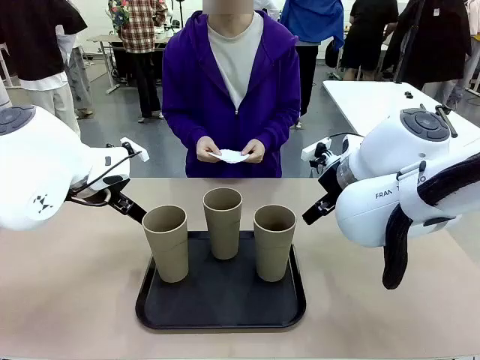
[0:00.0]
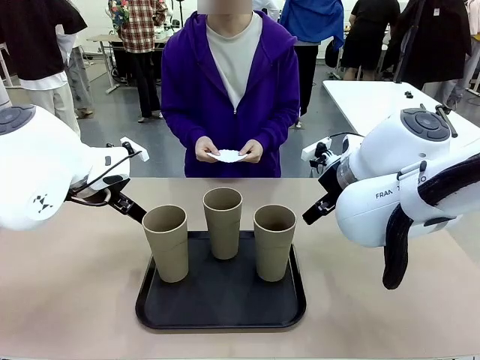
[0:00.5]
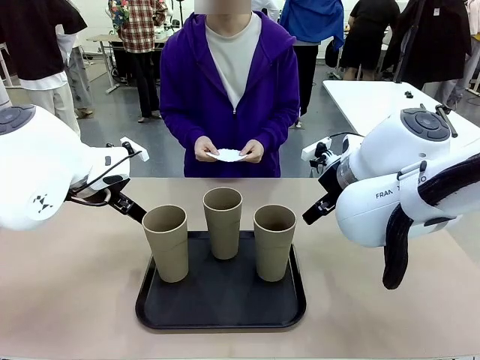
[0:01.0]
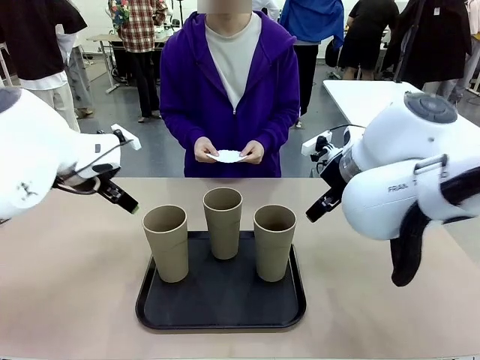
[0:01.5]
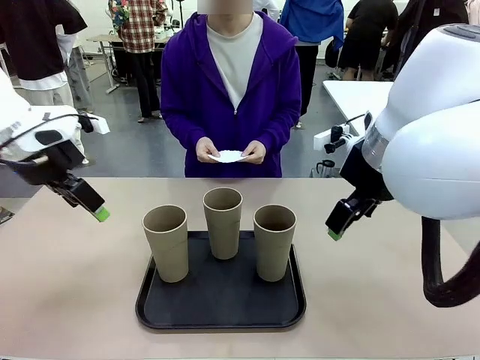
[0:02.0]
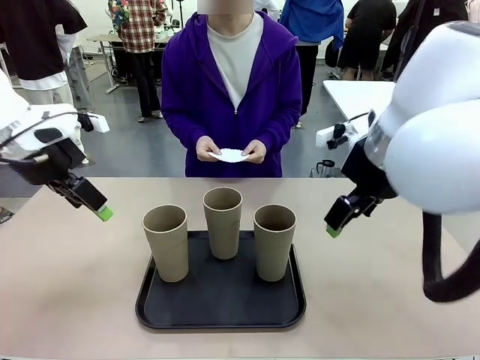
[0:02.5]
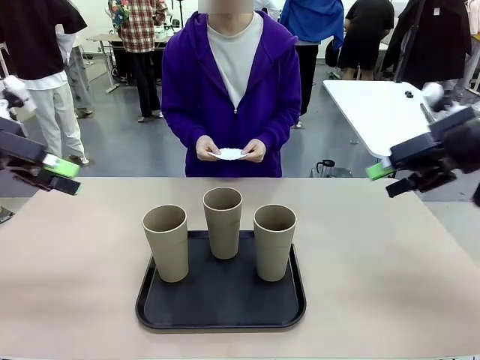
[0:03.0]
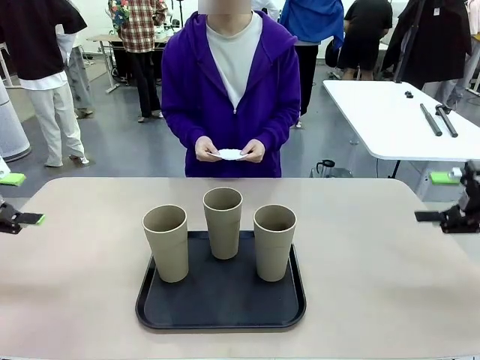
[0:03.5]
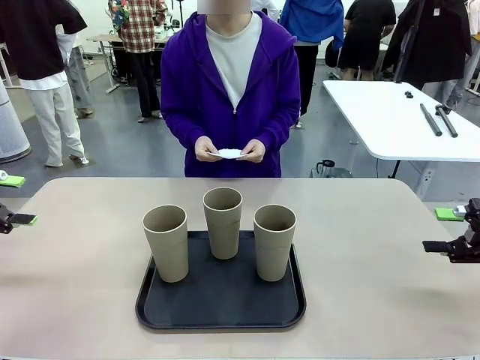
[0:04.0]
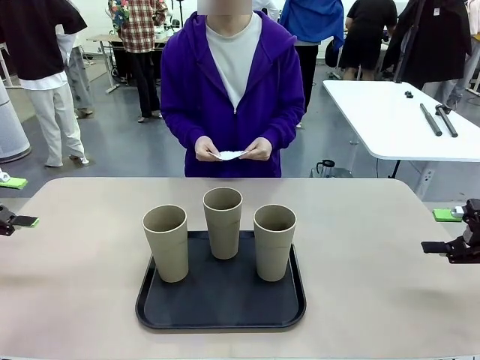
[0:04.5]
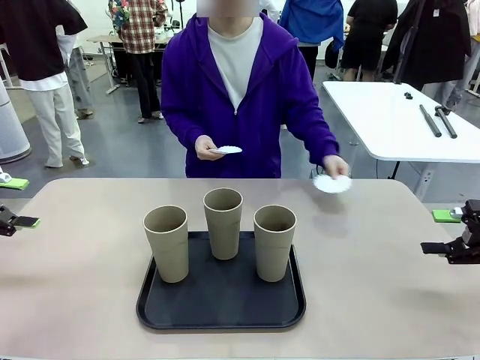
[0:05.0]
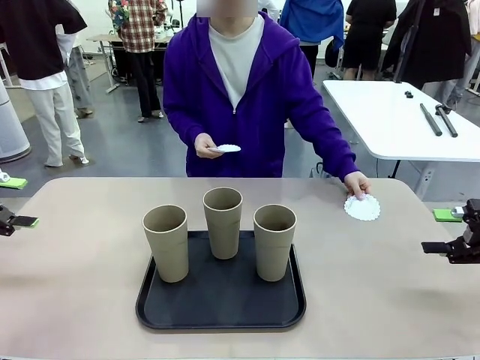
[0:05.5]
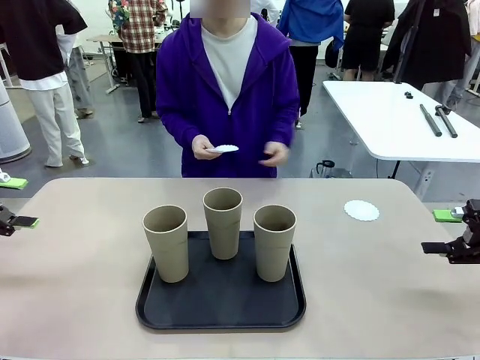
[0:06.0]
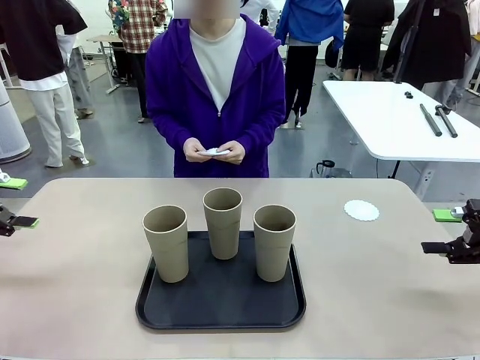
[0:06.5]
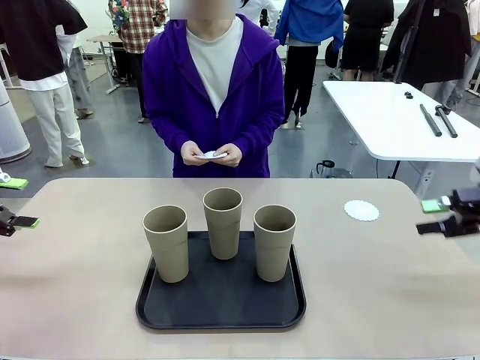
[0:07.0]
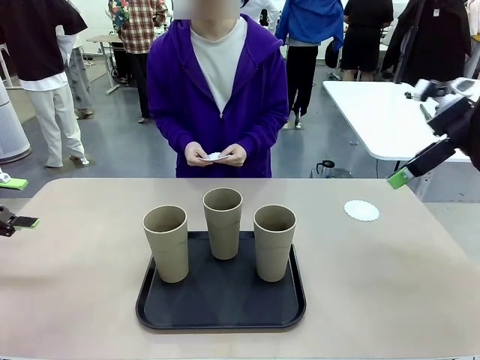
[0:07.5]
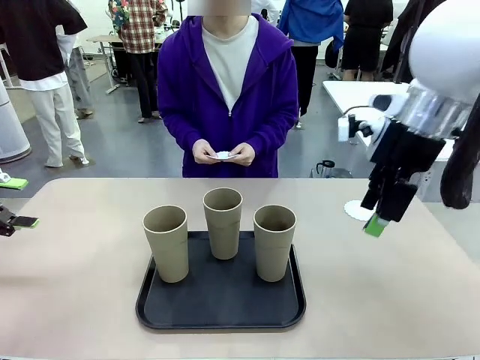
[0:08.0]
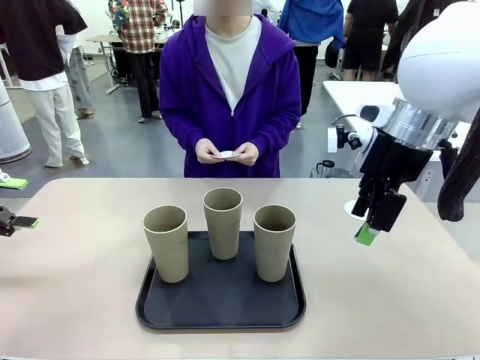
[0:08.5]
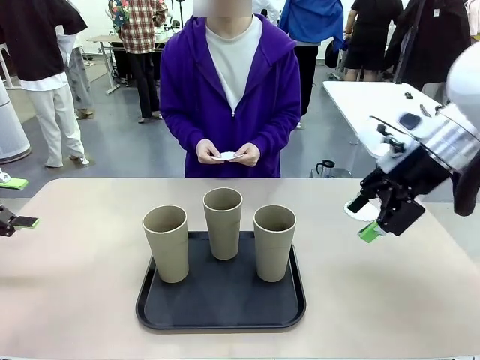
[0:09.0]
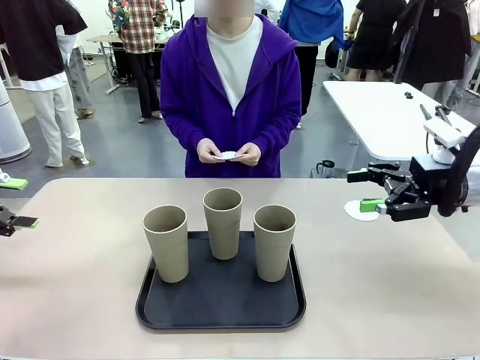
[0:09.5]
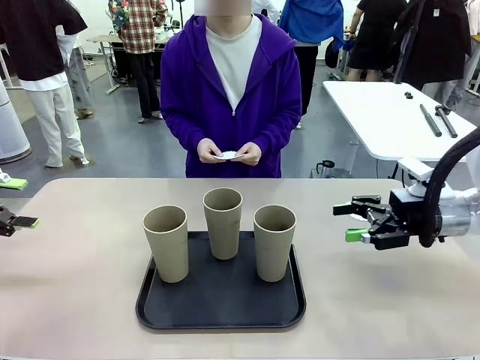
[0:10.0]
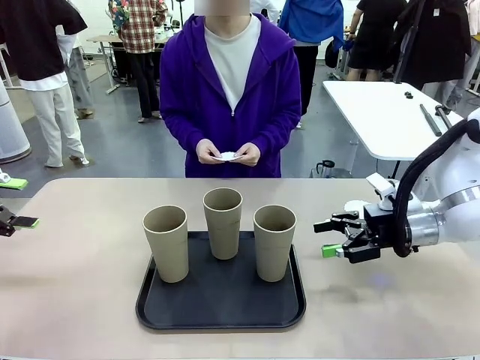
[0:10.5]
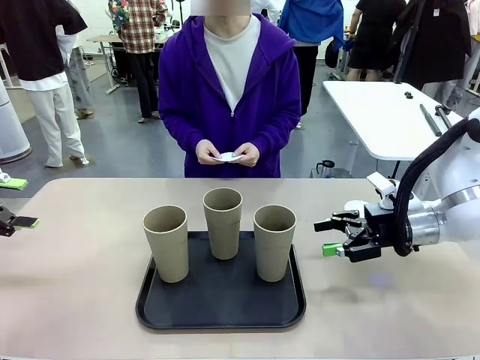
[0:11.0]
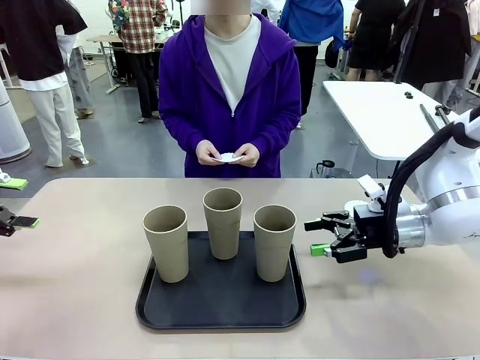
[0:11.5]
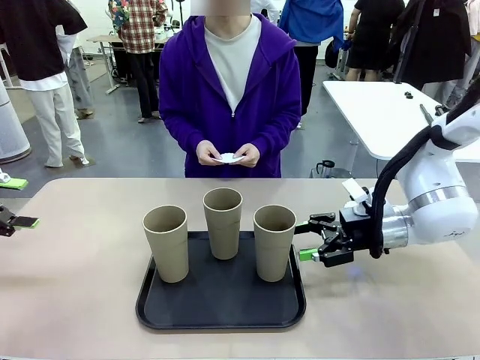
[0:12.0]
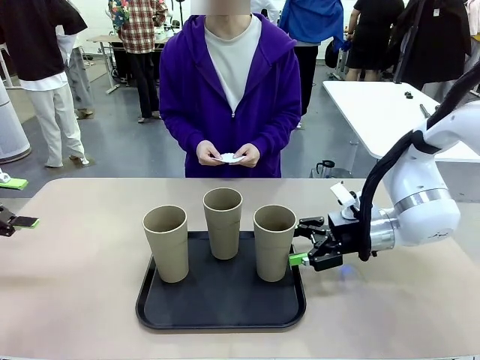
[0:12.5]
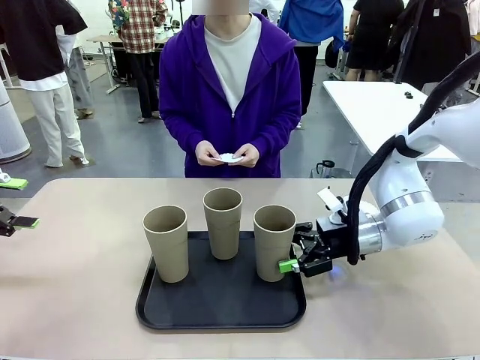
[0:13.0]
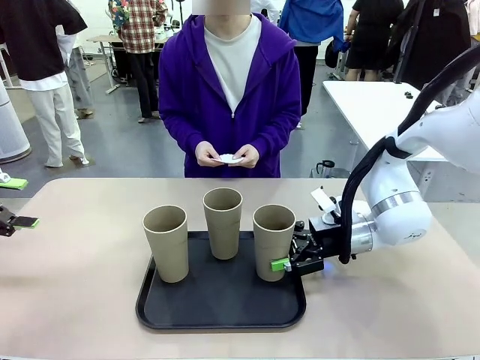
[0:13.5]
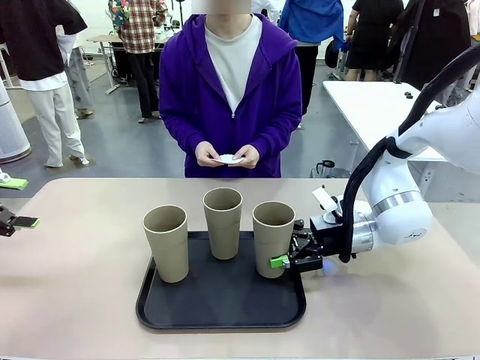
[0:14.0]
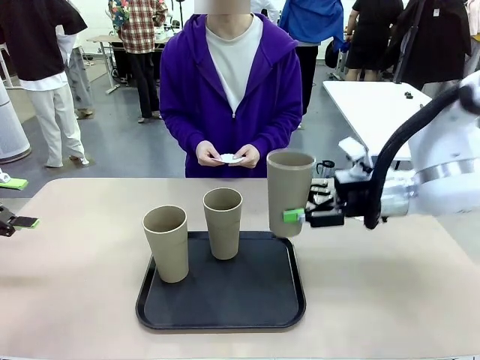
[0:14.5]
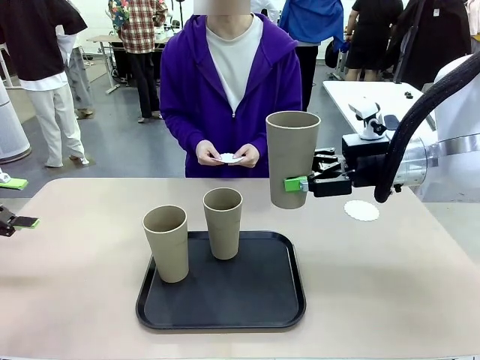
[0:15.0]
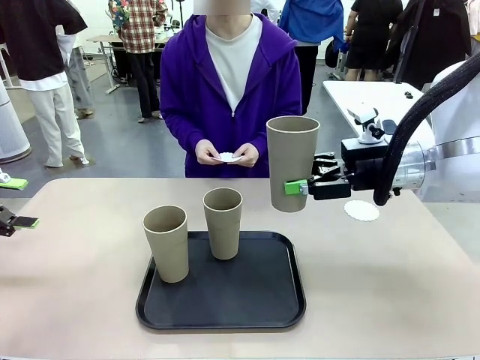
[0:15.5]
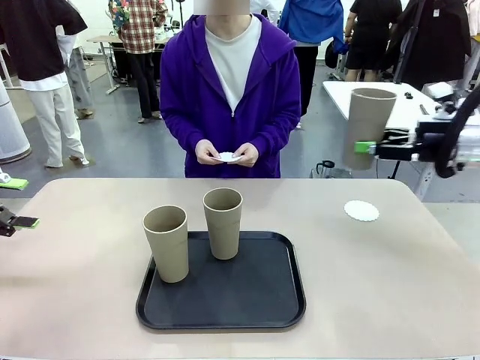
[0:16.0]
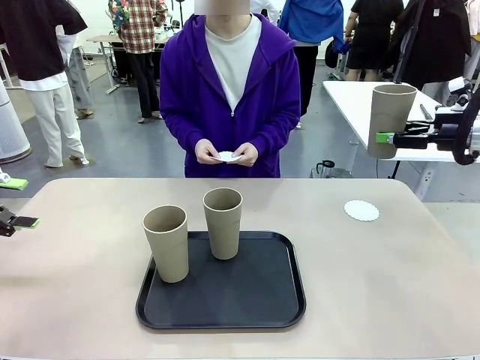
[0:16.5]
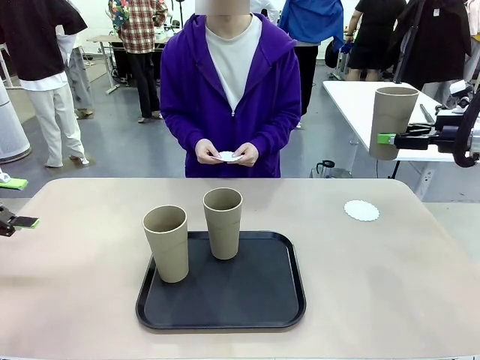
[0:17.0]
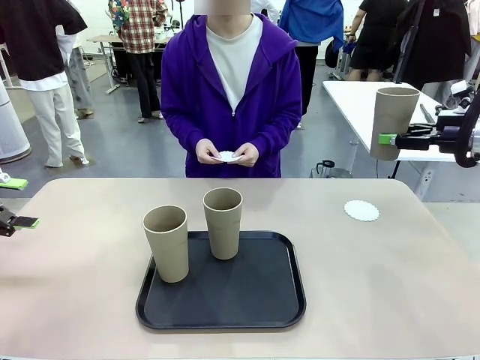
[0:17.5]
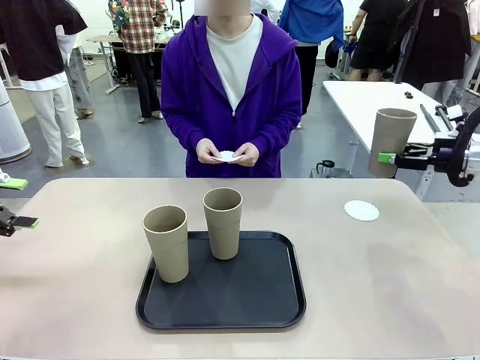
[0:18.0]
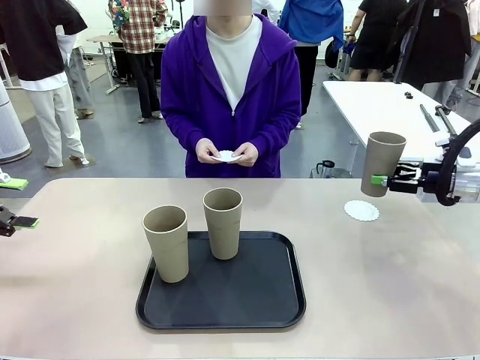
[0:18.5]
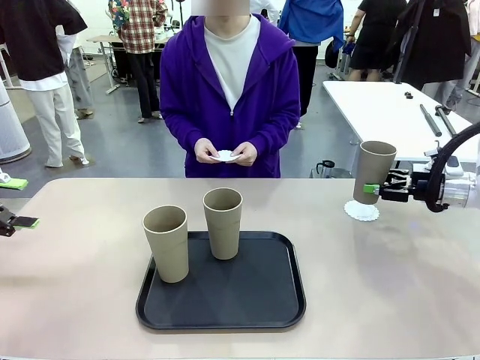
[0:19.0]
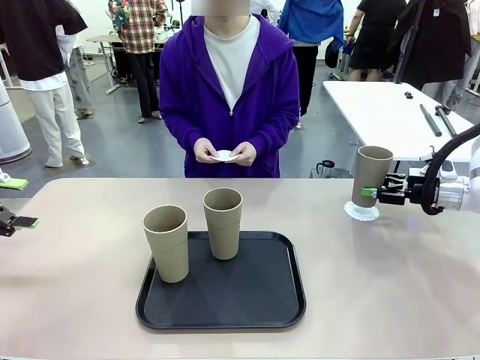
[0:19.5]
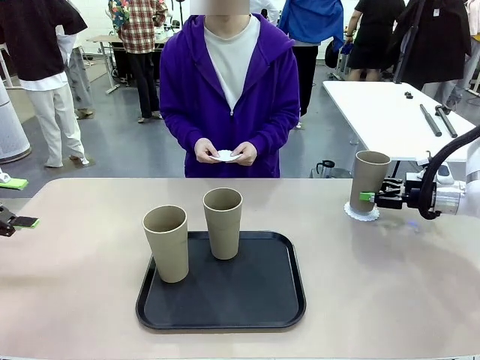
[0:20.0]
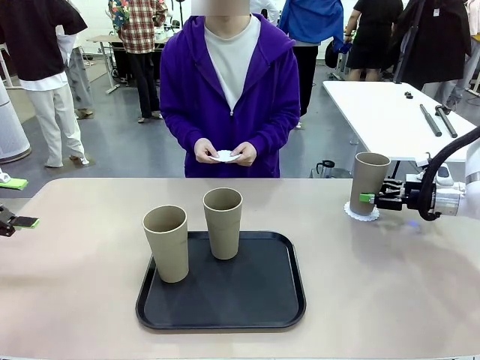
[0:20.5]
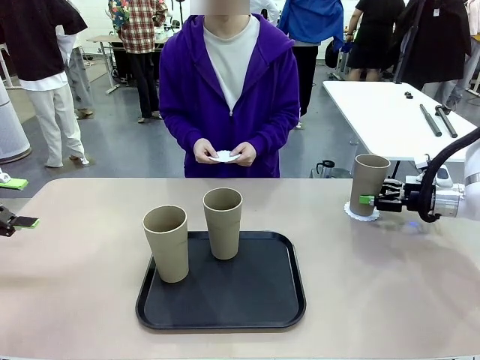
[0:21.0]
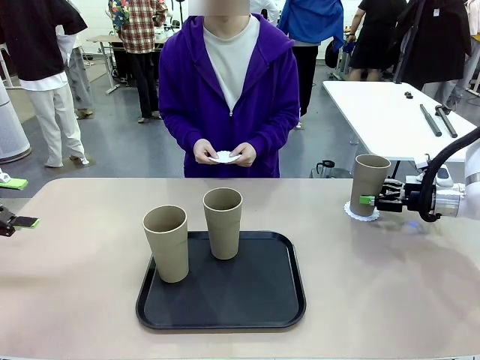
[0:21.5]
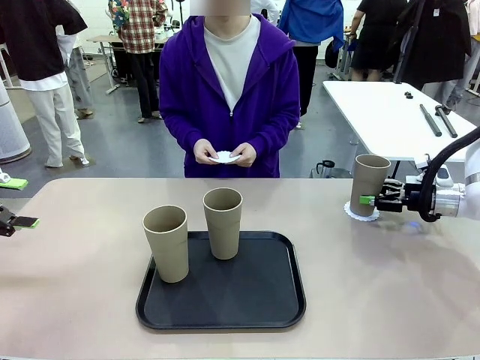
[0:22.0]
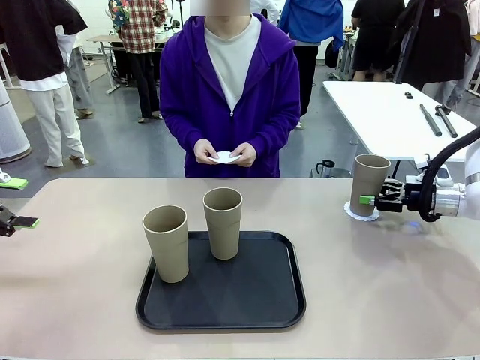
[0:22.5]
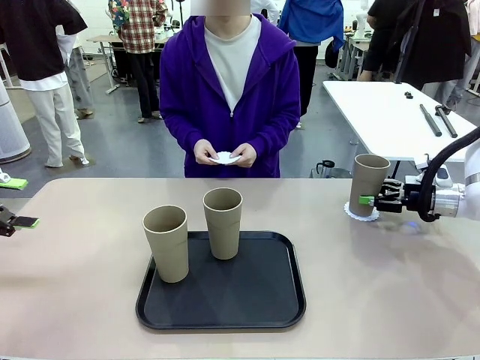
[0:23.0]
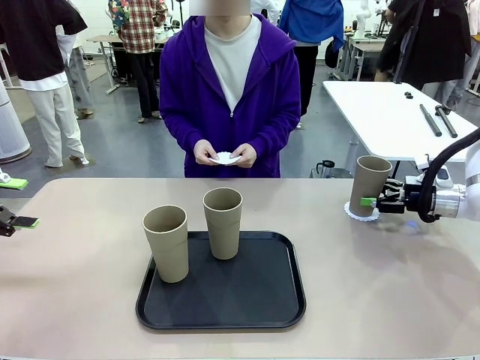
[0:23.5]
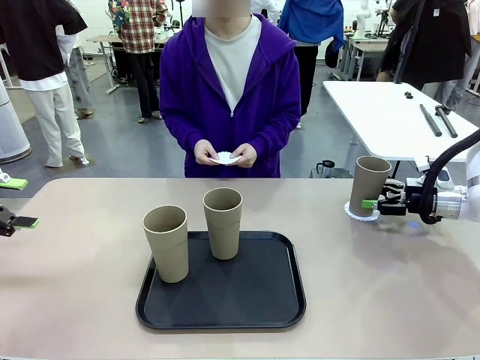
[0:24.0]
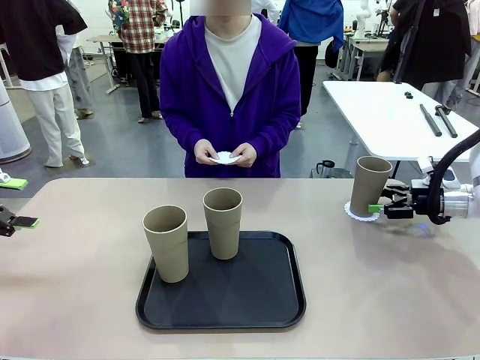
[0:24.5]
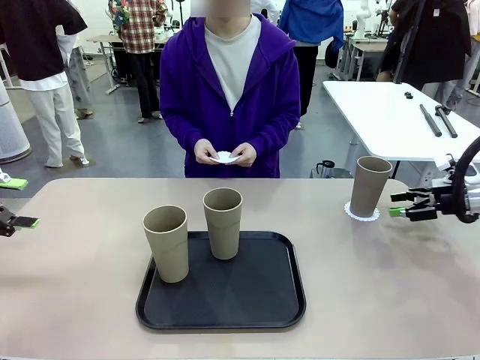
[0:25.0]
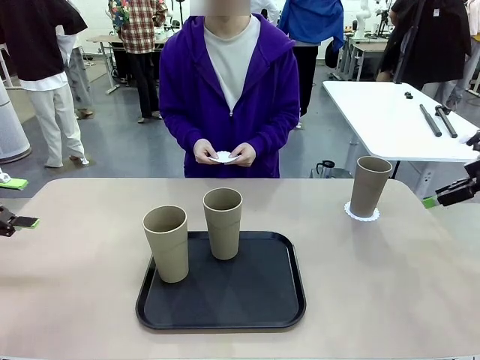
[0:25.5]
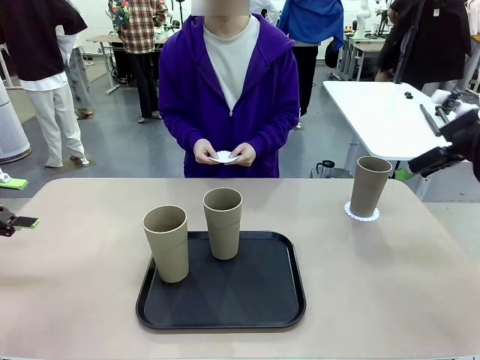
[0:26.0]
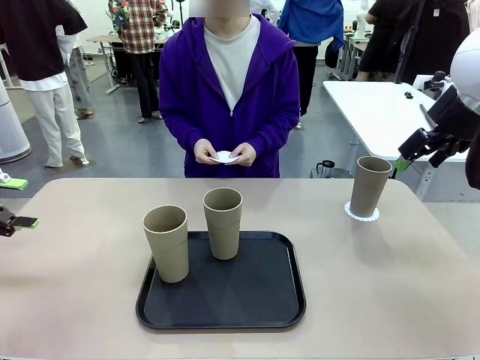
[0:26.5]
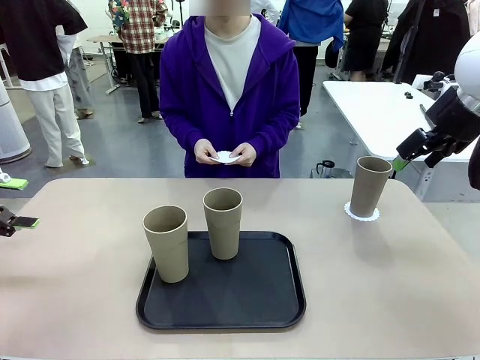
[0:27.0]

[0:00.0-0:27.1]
Task: Place coasters on the table and set cups on them.
Robot: Pick up one Reusable plastic cup and place it on a coaster set by the human.
Person: Place one coaster in any one of the three lower areas of the robot table (left, center, or right). Place one coaster in one of the two areas excluding the previously selected area.
